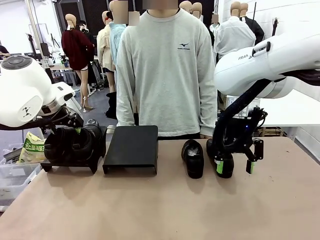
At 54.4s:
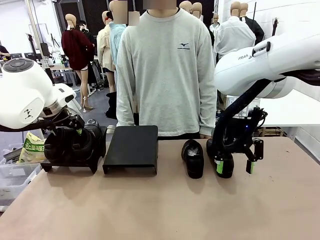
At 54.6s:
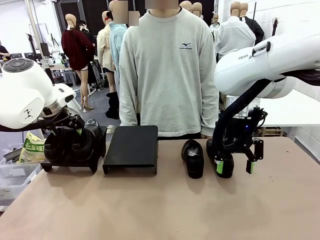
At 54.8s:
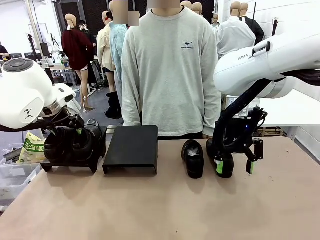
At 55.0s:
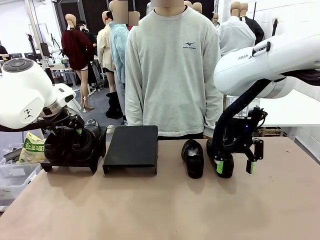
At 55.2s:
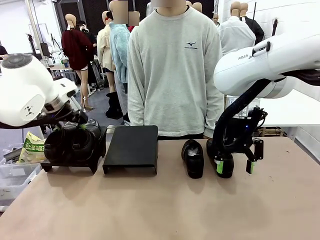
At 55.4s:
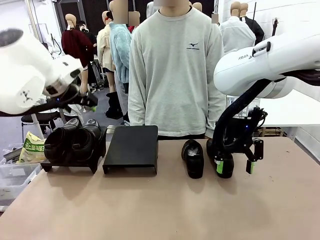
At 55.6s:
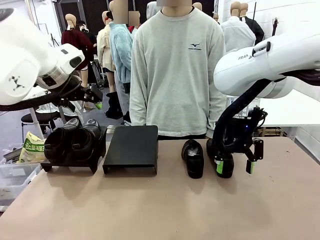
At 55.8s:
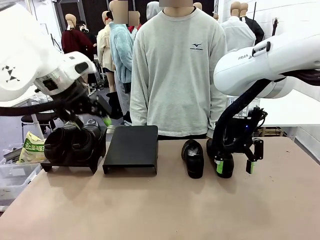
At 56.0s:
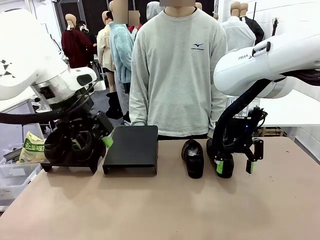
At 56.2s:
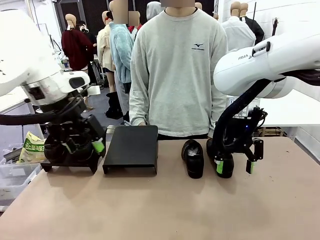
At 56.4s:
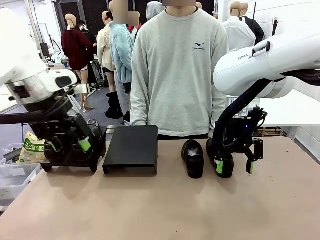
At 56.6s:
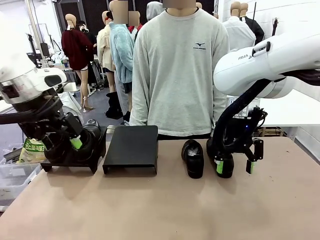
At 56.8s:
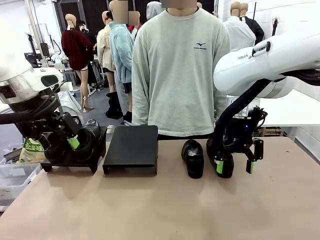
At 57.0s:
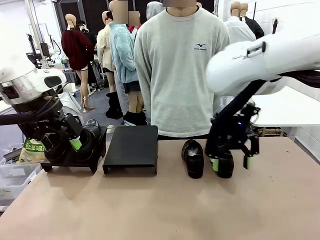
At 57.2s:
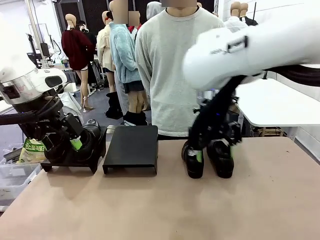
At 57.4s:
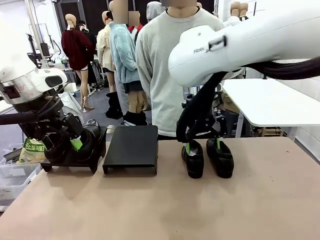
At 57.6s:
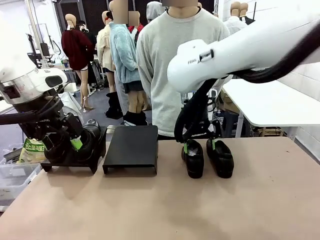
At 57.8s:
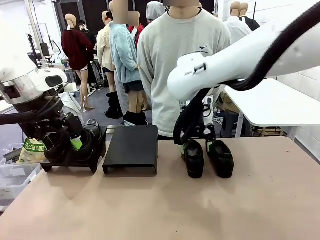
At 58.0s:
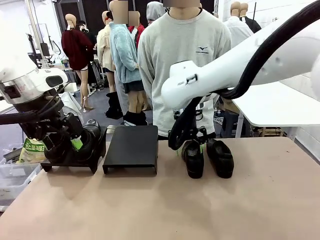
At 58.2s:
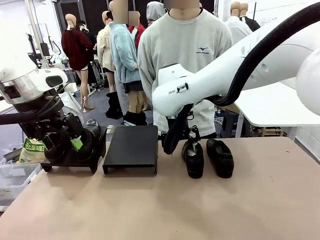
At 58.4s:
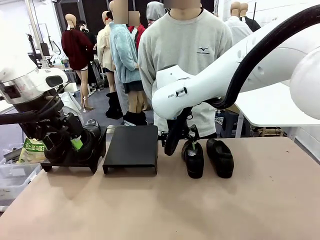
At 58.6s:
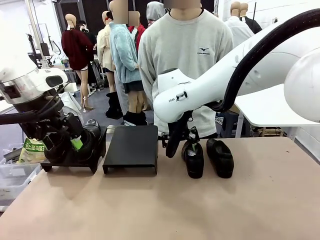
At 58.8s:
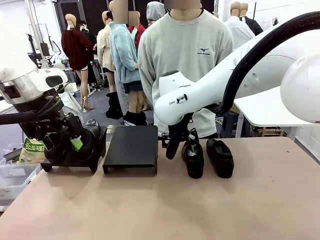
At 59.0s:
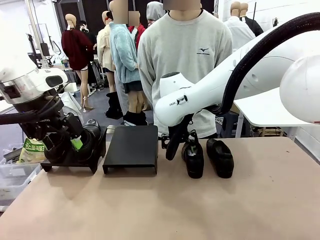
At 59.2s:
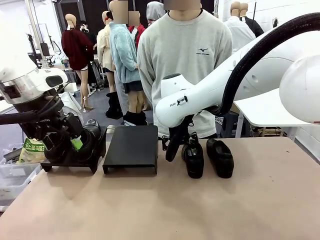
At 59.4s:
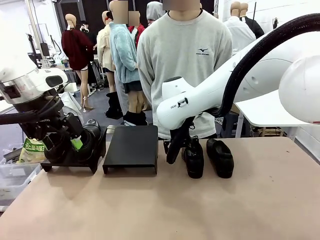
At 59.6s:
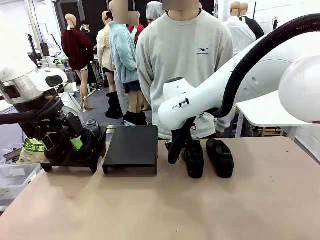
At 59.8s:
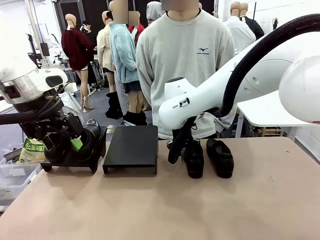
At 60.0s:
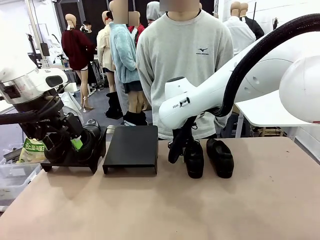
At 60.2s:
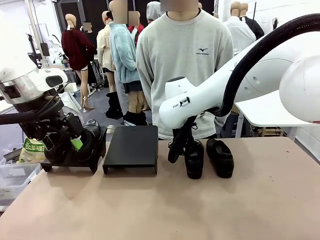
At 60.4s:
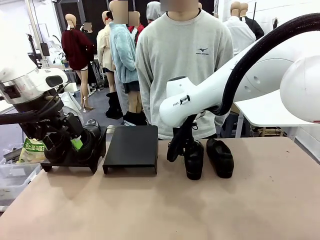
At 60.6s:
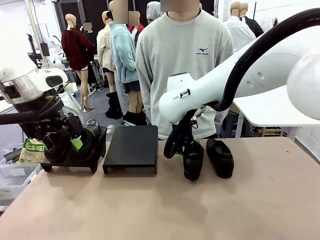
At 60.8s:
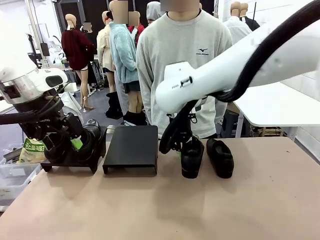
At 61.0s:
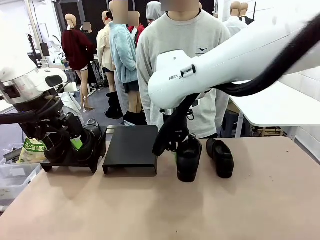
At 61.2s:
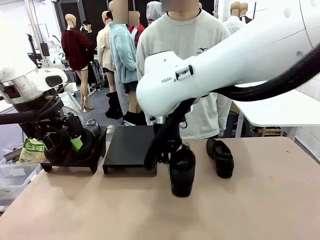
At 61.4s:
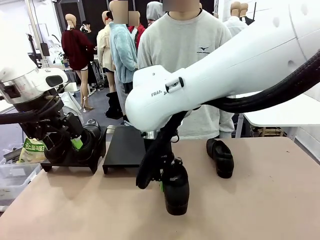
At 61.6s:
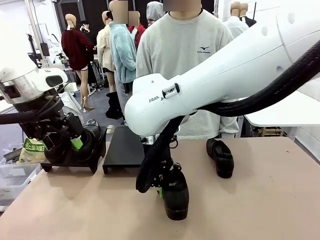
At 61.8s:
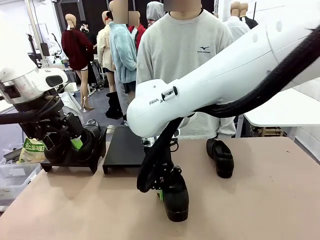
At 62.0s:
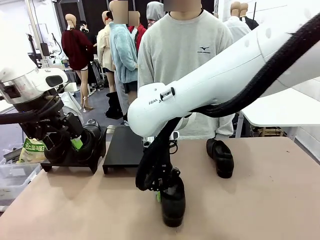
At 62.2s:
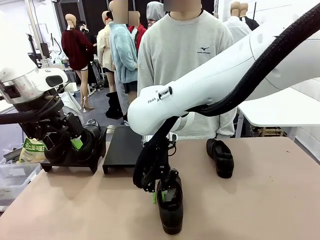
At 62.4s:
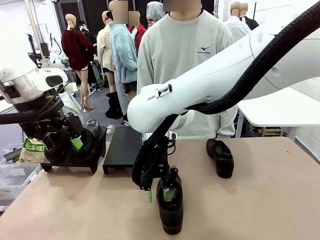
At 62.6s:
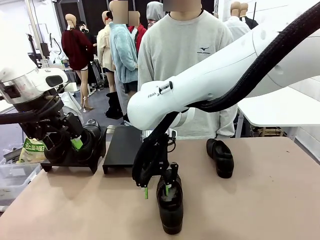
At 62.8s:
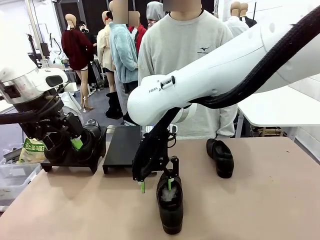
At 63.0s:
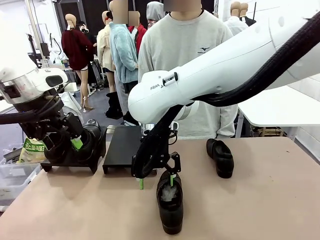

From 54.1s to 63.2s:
Task: Organize the shoes by placing them on the stand.
Robot: Pick up one Shoe and place it in the middle of the table.

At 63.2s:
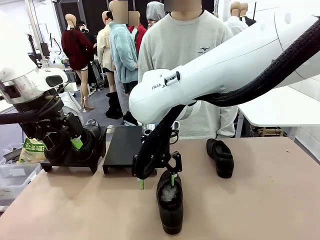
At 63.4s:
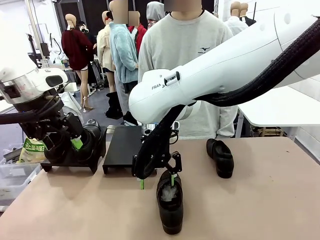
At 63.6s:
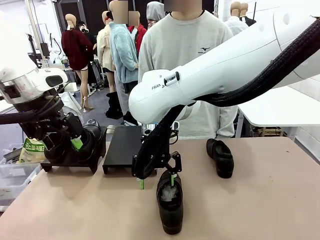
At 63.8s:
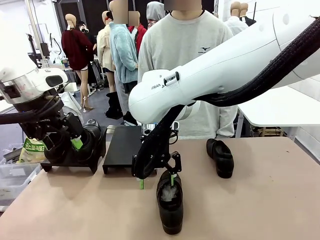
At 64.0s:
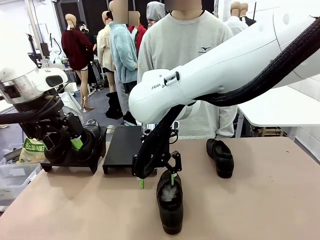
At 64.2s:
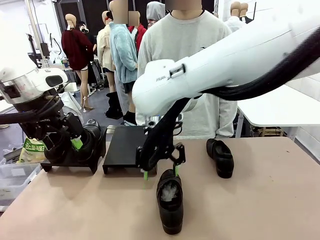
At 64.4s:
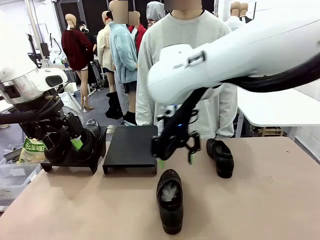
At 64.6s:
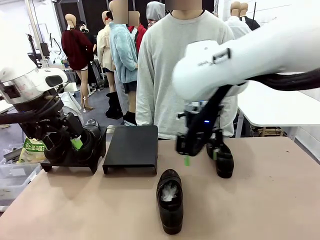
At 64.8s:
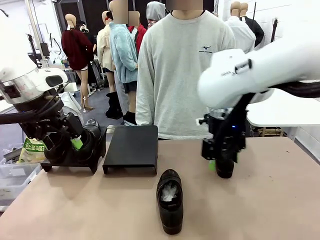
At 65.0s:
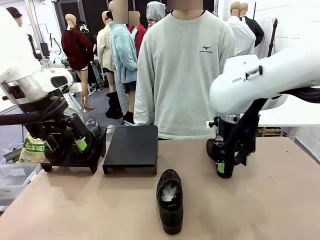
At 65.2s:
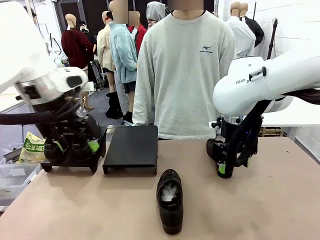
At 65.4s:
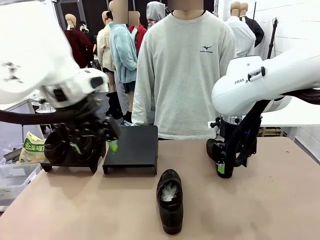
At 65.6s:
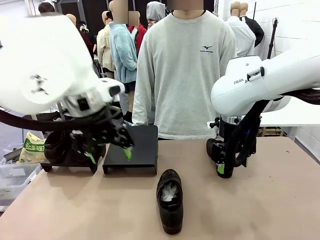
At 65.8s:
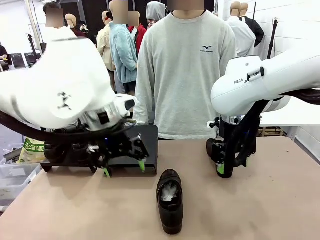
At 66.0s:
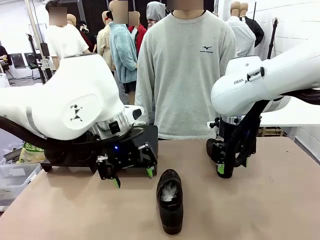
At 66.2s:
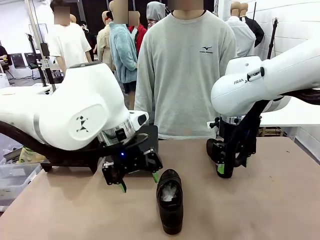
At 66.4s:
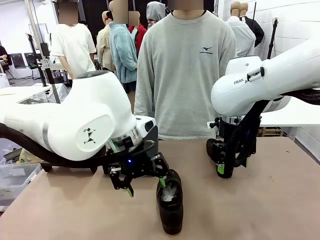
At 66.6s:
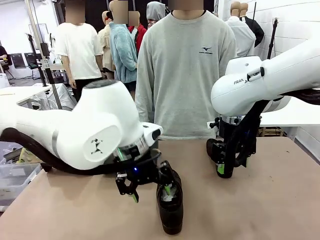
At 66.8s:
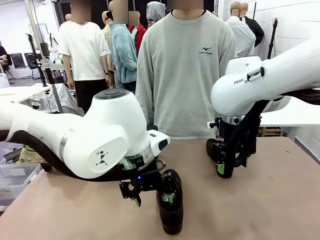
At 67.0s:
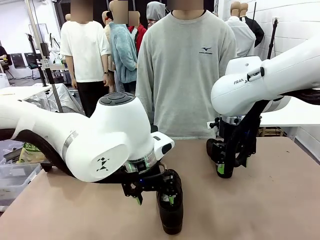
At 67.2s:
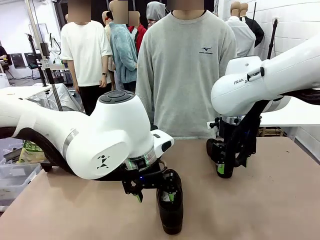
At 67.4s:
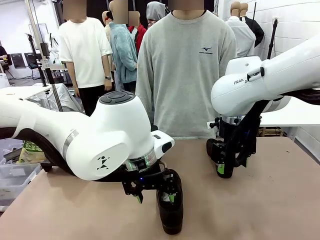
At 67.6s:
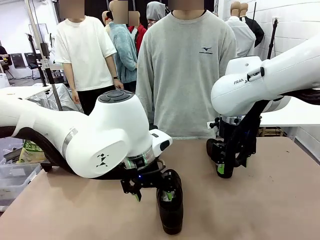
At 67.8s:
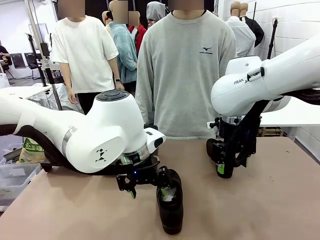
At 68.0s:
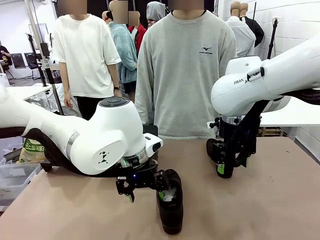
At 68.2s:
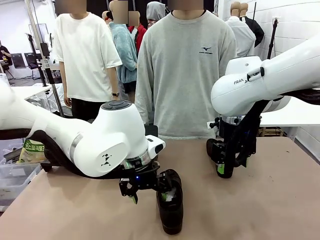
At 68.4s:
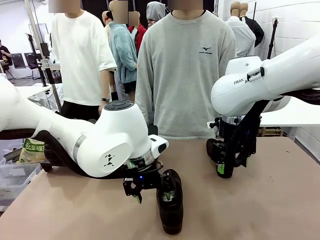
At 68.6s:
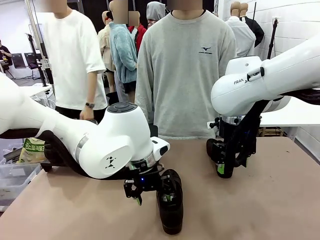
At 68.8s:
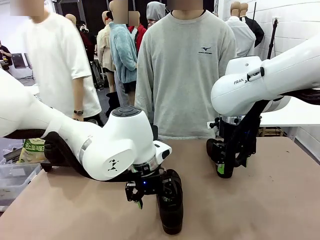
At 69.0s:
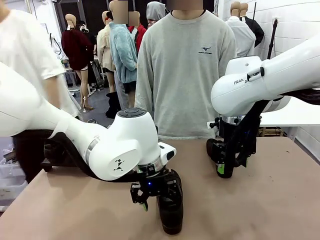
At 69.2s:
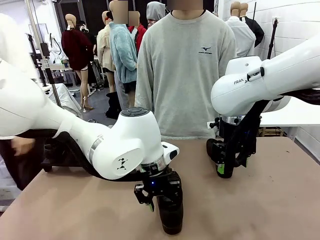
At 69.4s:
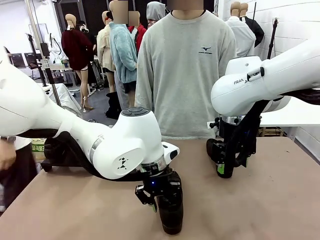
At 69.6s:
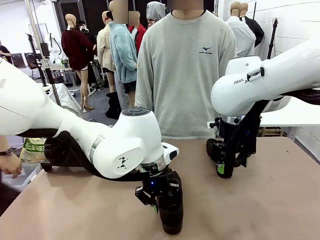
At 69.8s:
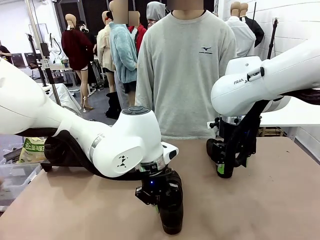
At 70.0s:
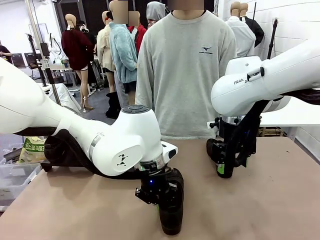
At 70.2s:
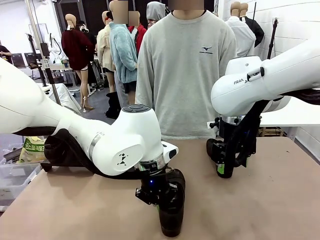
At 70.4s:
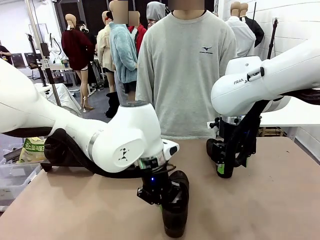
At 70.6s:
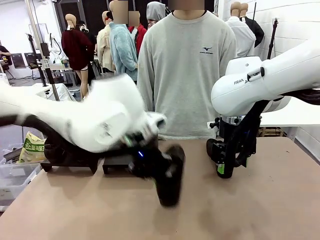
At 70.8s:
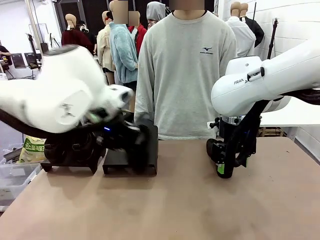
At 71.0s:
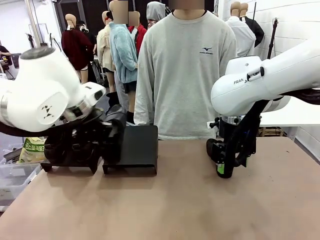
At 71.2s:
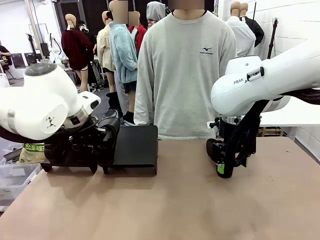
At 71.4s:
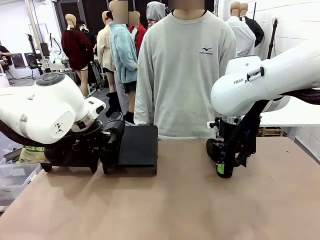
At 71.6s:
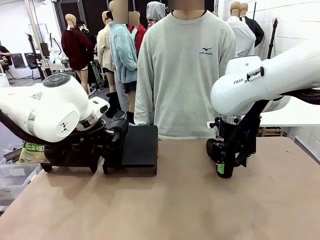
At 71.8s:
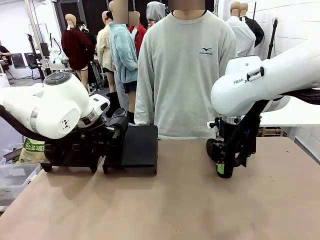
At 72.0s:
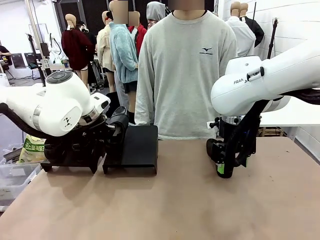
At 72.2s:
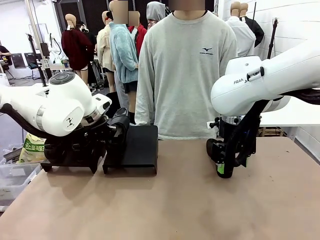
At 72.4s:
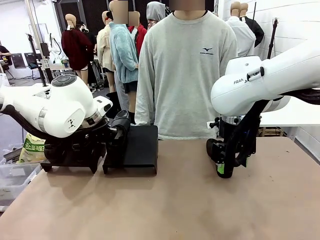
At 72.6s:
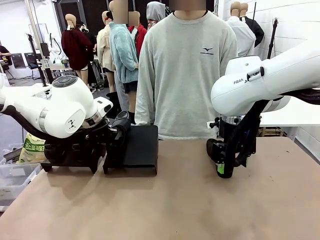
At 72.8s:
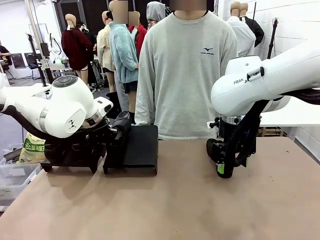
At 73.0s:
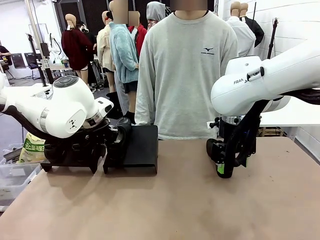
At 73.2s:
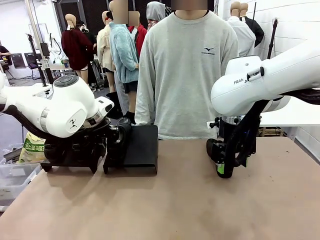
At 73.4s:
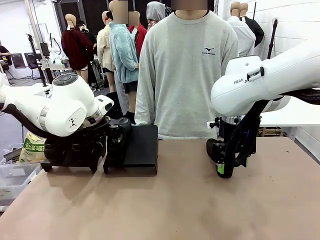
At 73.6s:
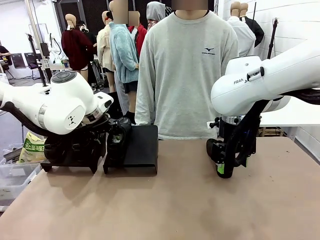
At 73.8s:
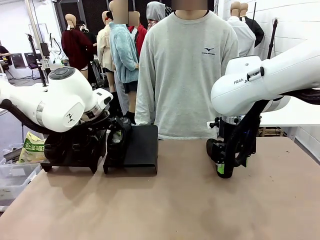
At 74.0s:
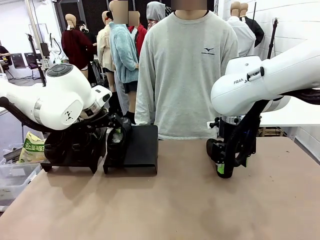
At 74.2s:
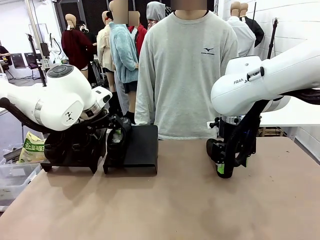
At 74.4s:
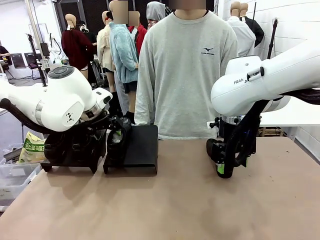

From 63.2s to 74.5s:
Robot: Place the Shoe from the middle of the table onto the Shoes Stand.
